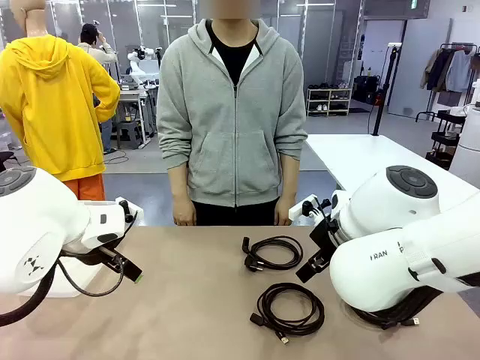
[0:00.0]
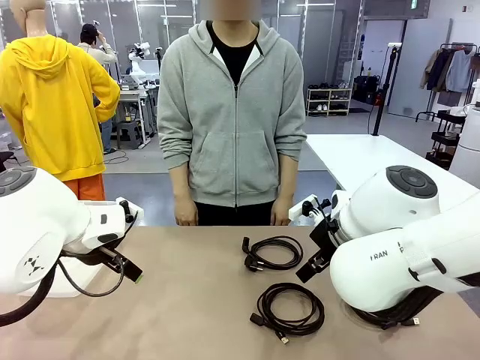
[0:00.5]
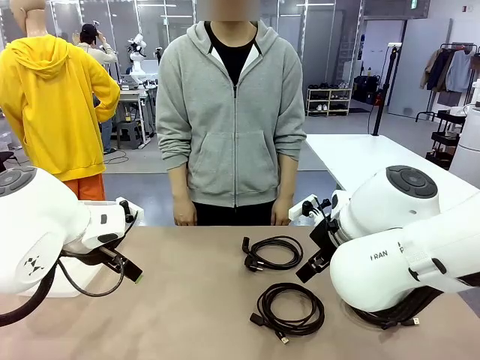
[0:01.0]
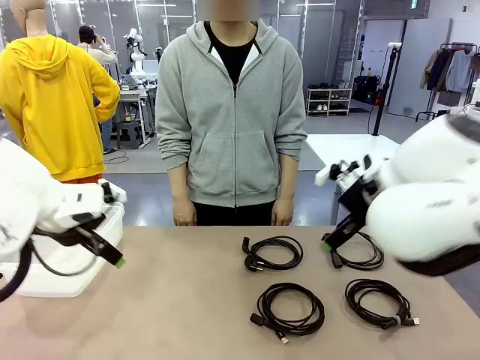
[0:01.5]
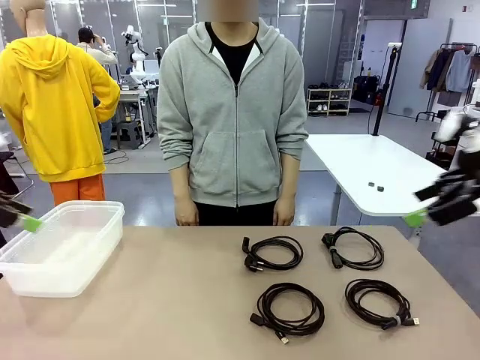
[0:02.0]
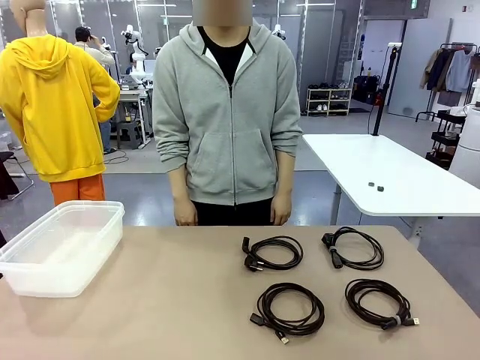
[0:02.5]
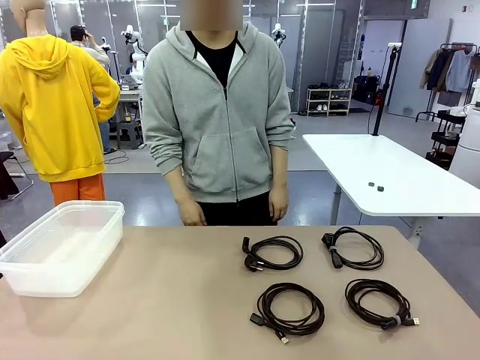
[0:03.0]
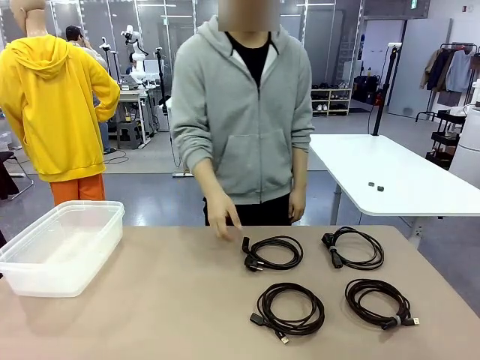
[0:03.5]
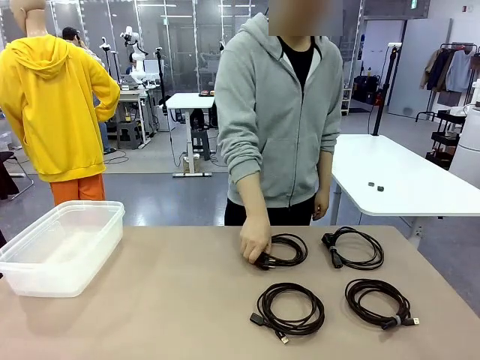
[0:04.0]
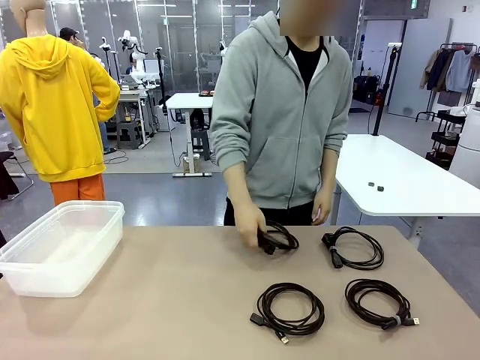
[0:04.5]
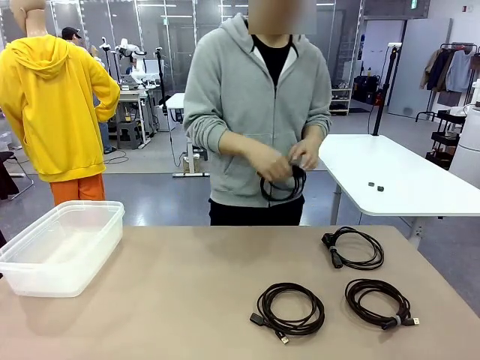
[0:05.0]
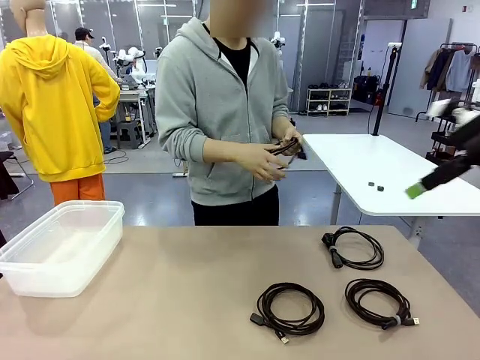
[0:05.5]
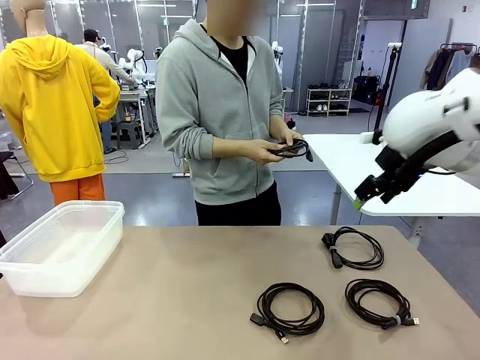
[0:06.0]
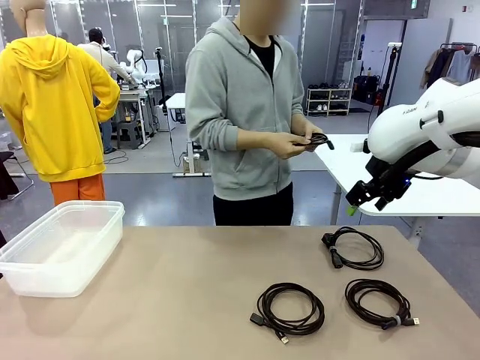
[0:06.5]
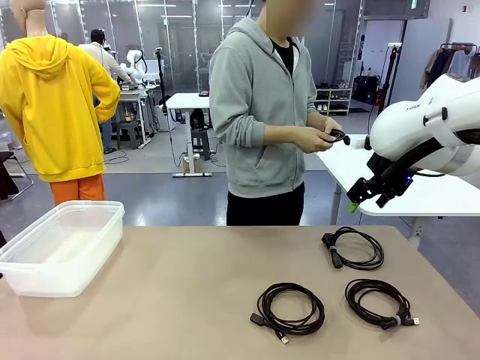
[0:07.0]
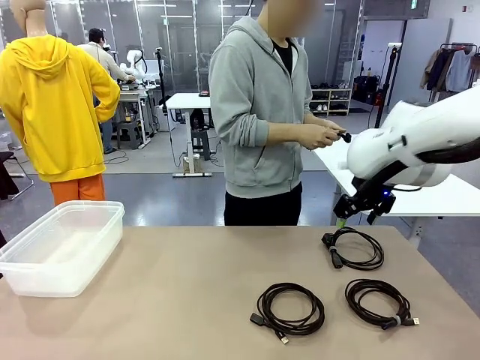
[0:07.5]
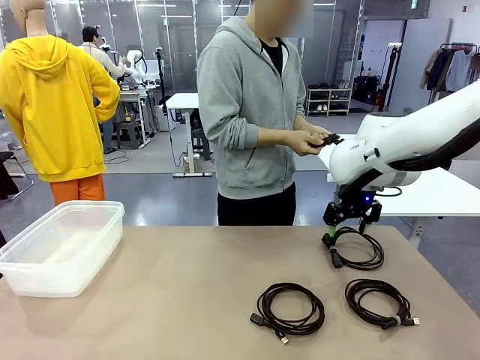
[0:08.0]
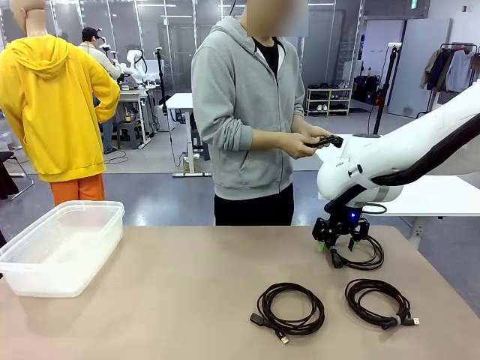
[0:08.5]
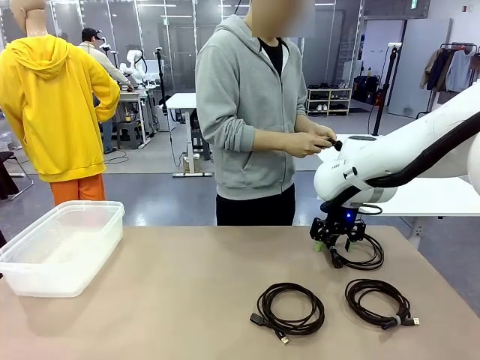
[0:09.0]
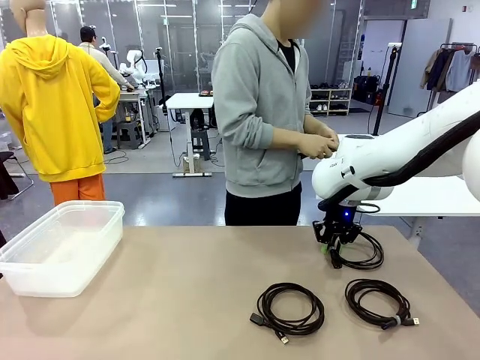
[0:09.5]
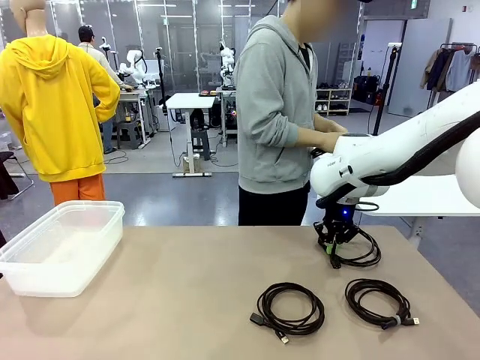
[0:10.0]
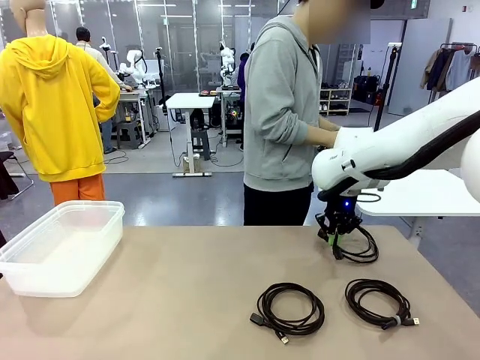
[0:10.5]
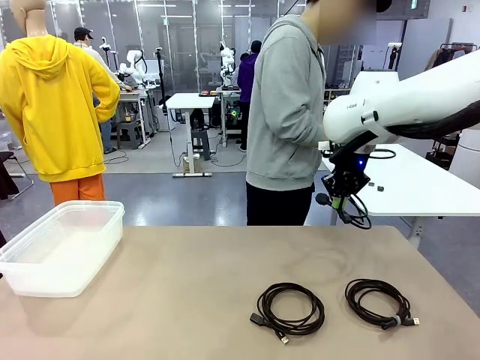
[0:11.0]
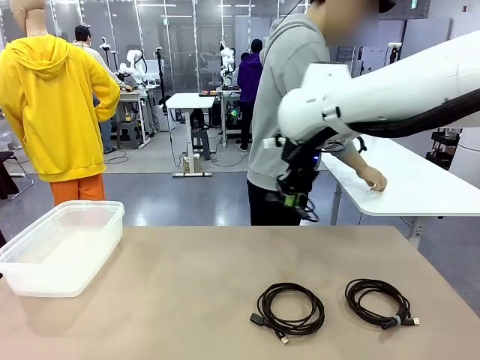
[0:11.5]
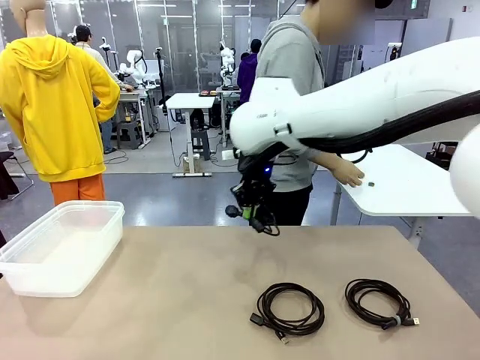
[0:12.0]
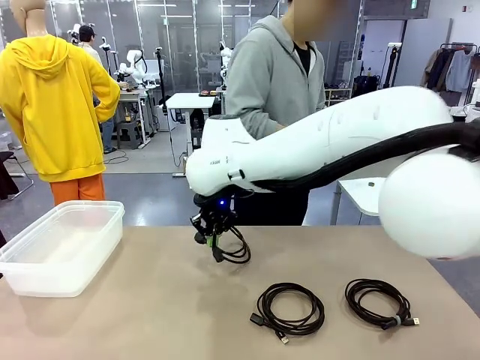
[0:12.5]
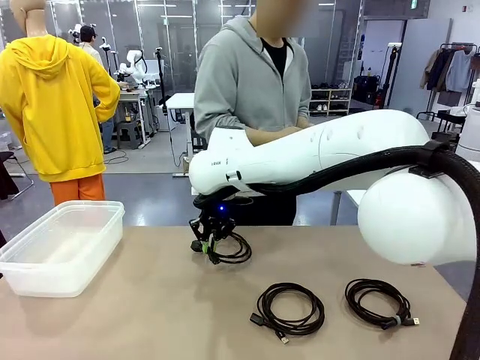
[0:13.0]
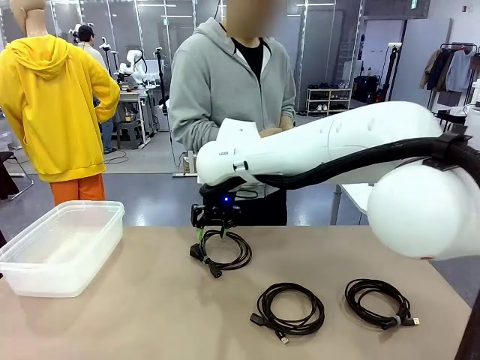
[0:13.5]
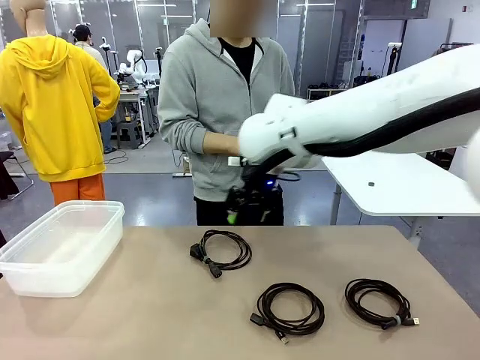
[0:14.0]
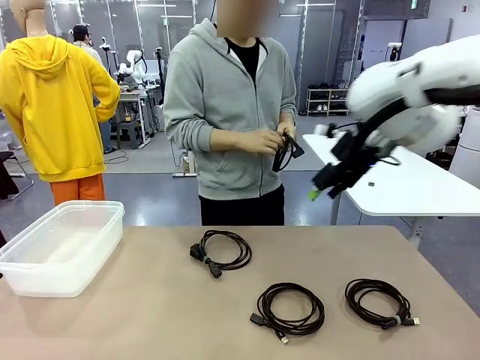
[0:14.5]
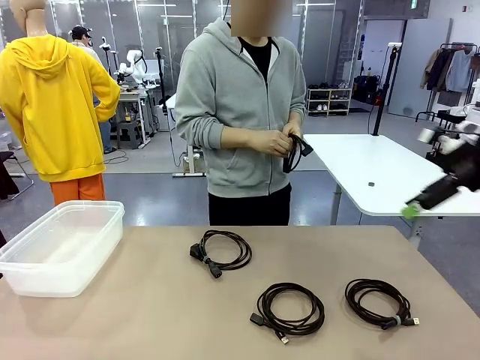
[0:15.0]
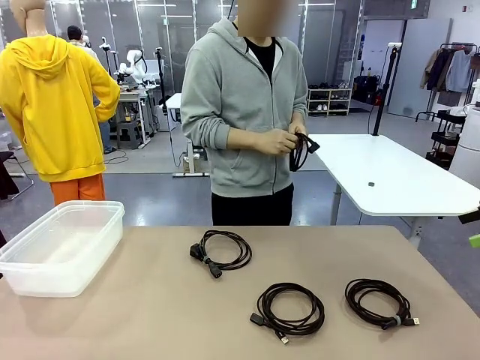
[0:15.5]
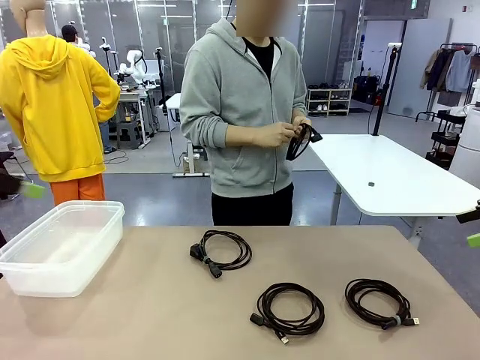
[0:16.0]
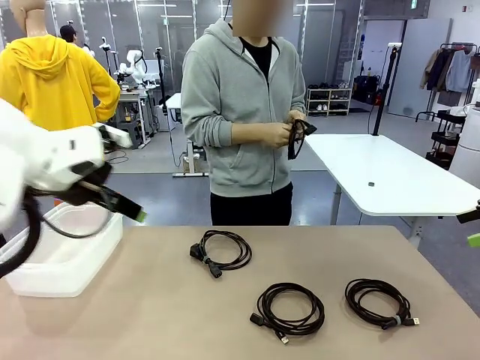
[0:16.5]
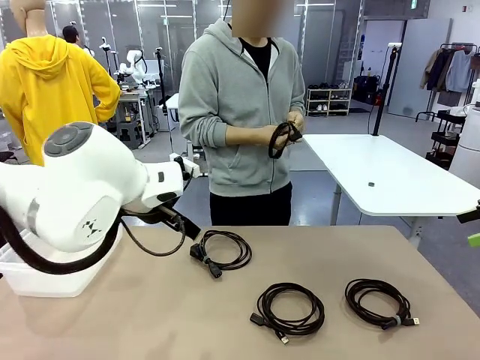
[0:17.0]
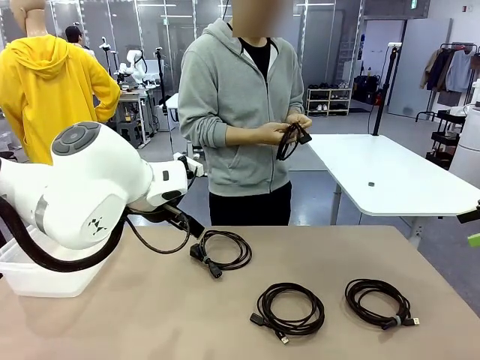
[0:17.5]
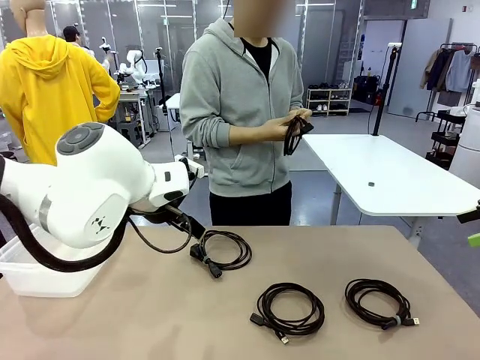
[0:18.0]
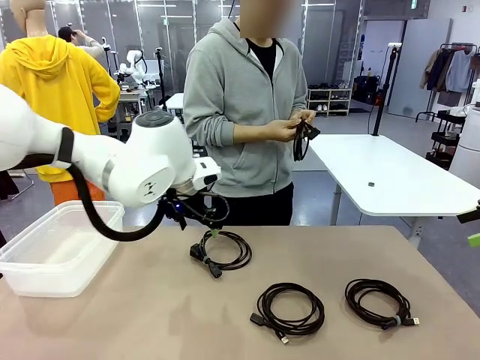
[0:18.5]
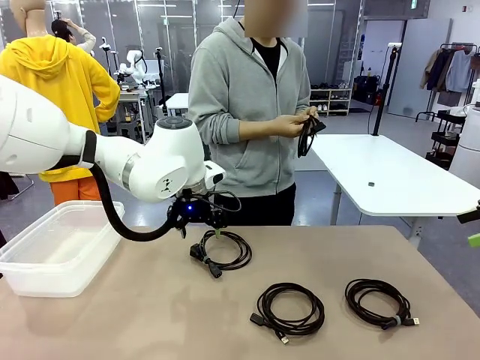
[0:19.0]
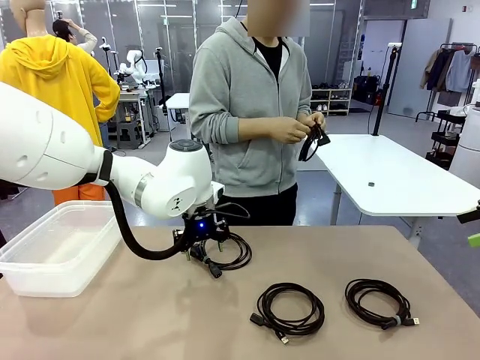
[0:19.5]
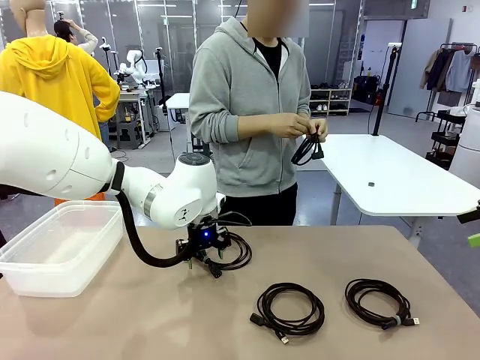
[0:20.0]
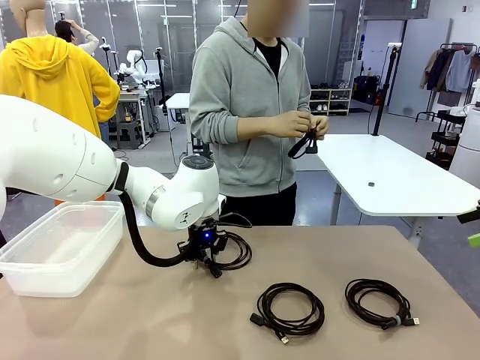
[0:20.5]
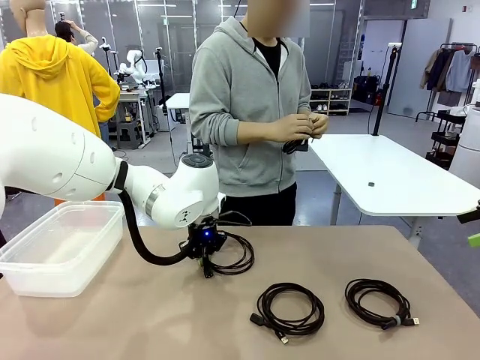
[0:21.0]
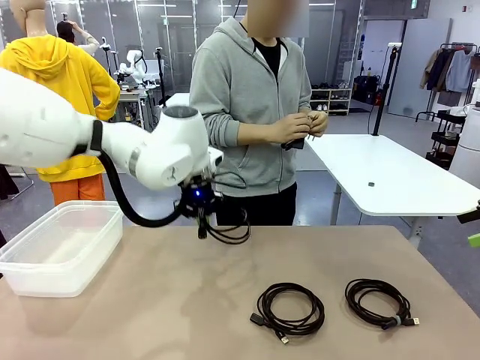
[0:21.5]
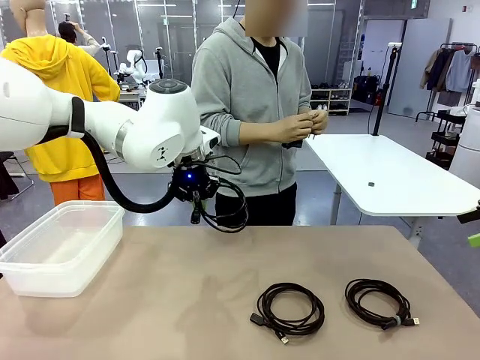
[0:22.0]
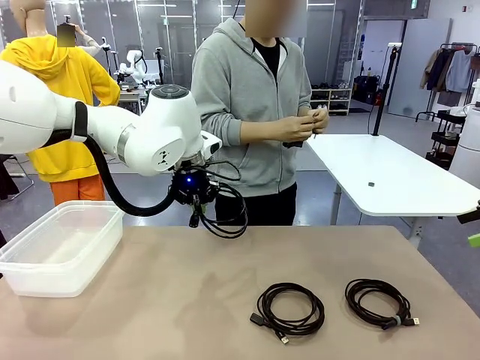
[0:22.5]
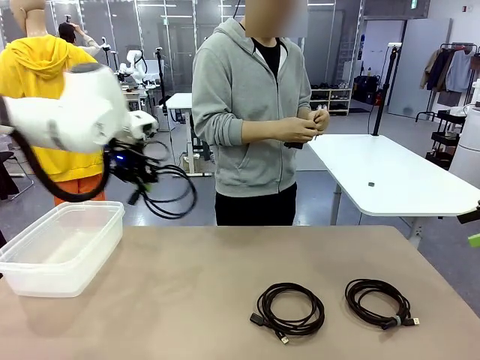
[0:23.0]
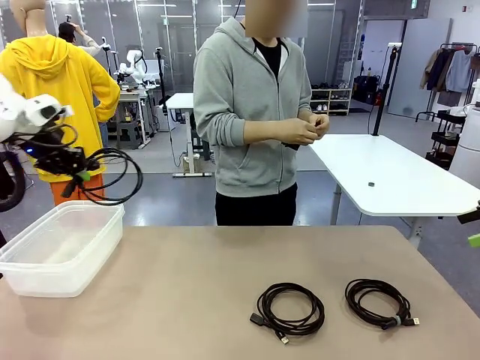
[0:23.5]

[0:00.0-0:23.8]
Task: Organize and store the cables.
Robot: Place the Power Cable into the Organizing box.
Person: Tie one Power Cable with a Reusable Cable Tie.
